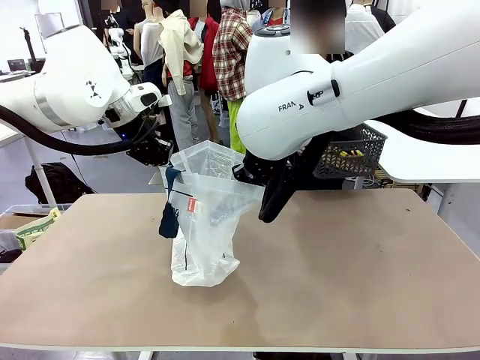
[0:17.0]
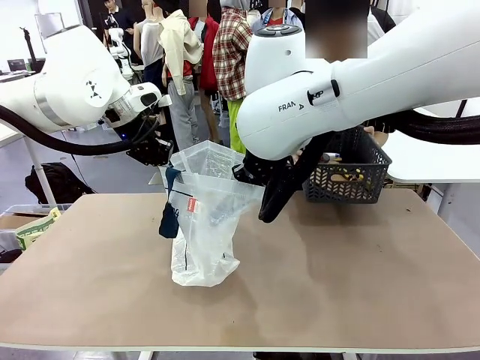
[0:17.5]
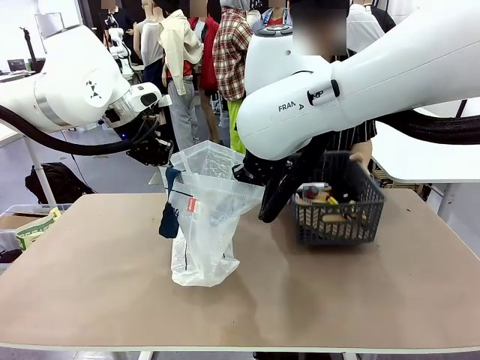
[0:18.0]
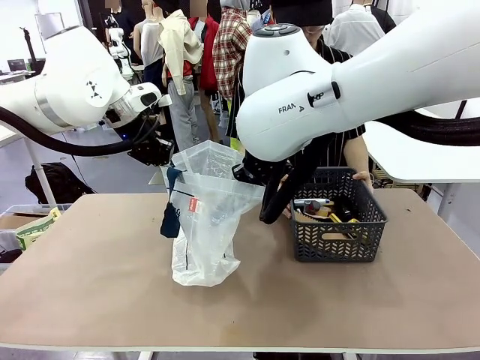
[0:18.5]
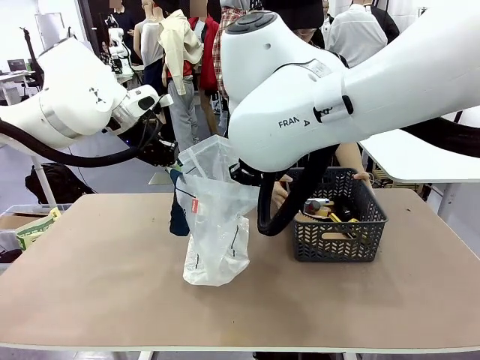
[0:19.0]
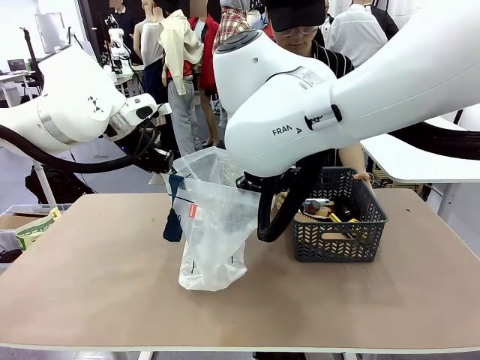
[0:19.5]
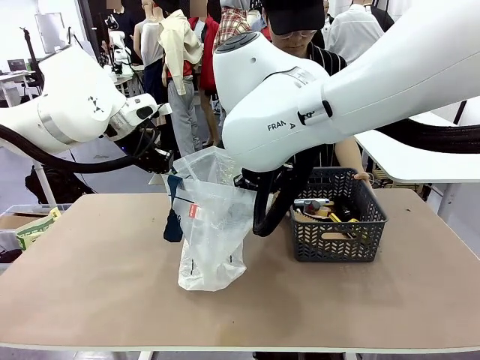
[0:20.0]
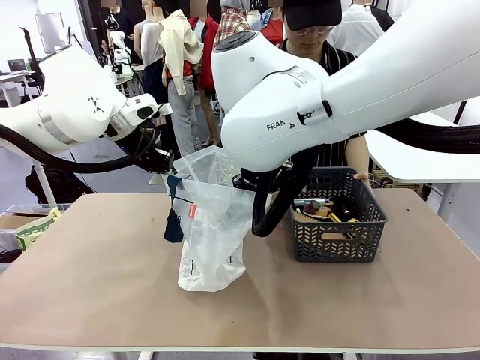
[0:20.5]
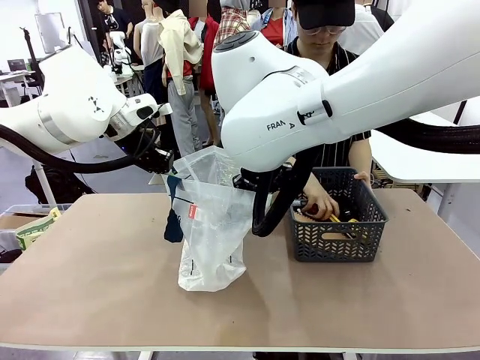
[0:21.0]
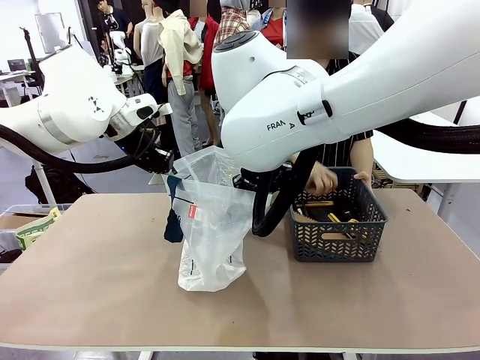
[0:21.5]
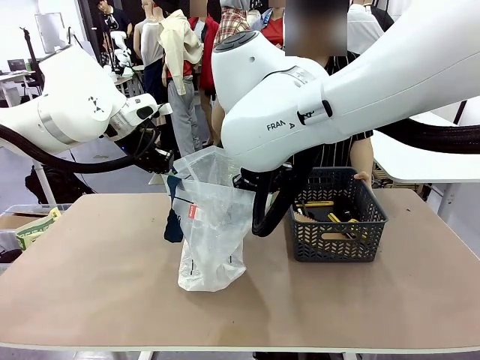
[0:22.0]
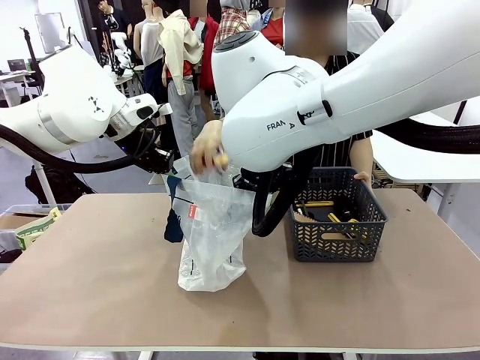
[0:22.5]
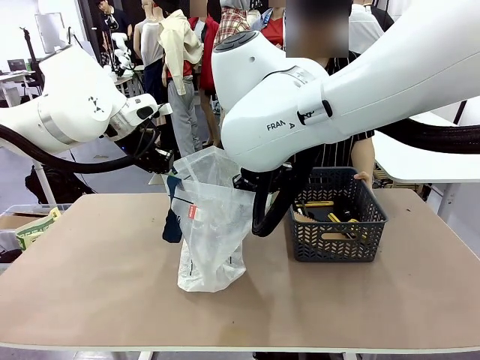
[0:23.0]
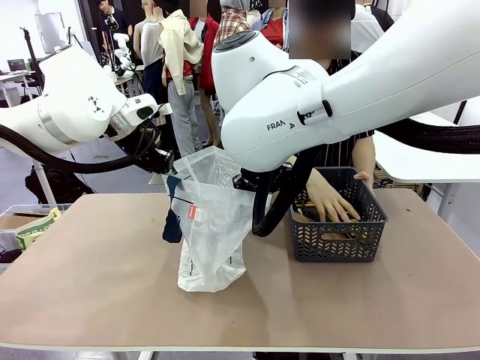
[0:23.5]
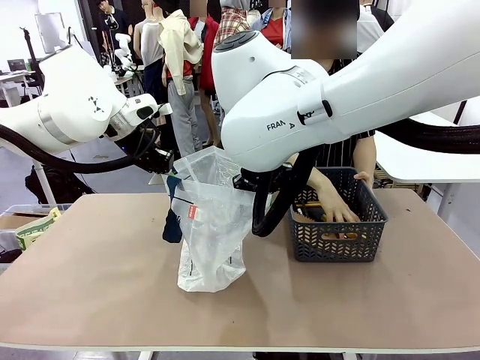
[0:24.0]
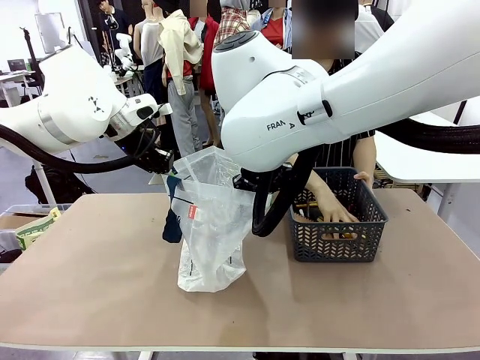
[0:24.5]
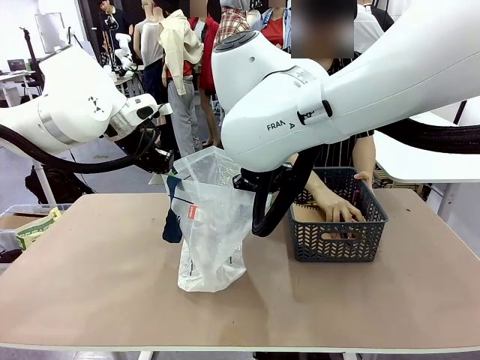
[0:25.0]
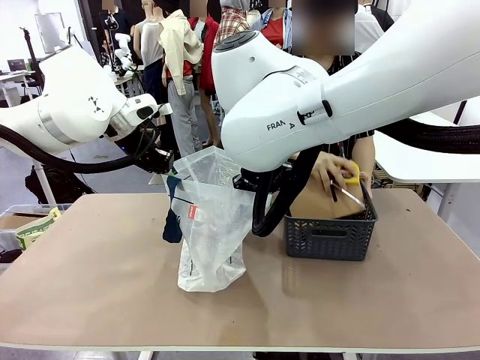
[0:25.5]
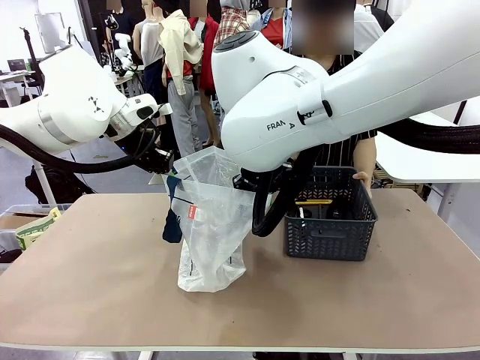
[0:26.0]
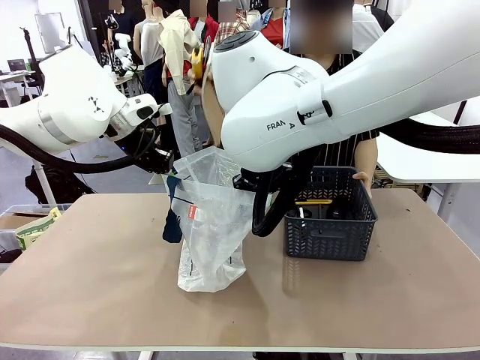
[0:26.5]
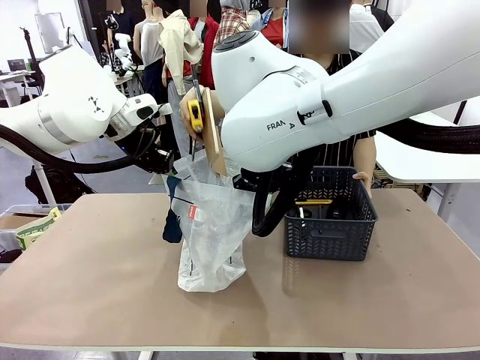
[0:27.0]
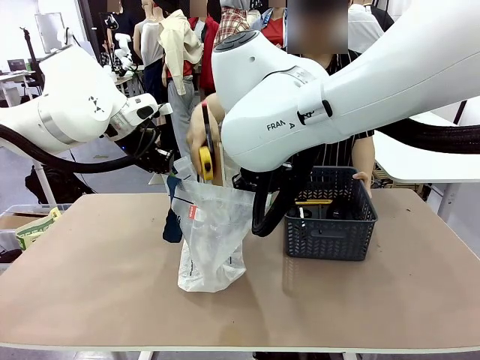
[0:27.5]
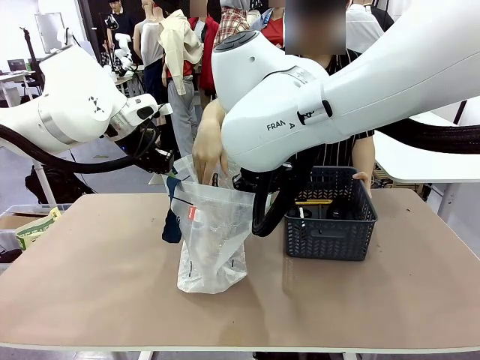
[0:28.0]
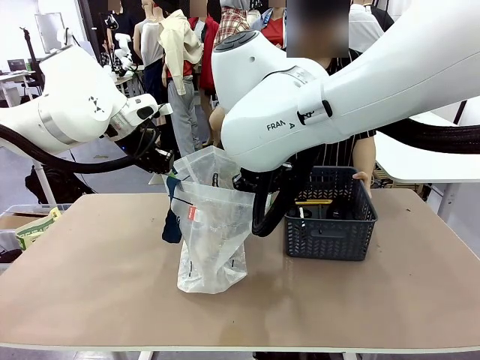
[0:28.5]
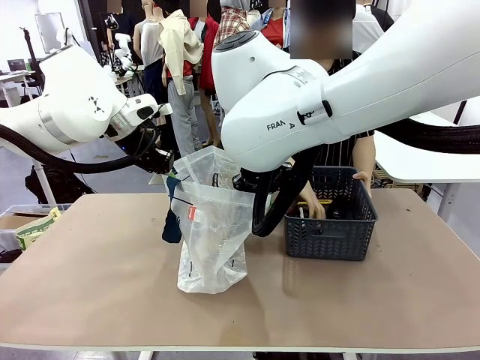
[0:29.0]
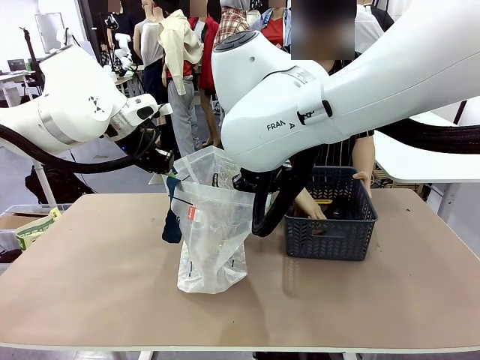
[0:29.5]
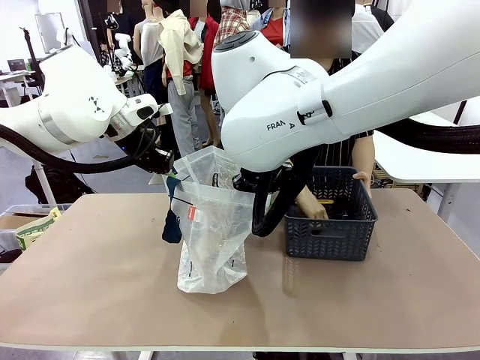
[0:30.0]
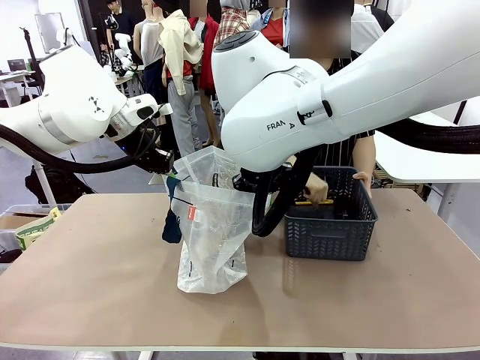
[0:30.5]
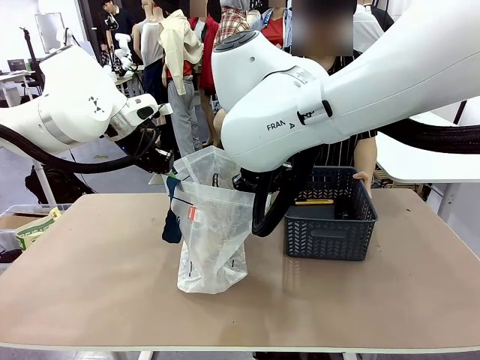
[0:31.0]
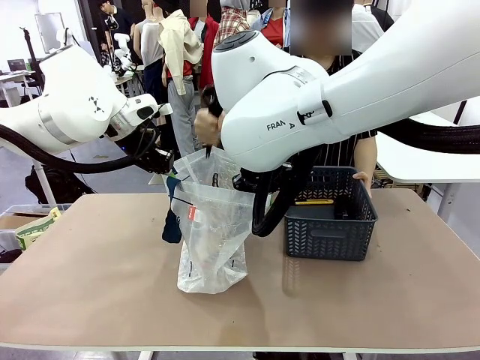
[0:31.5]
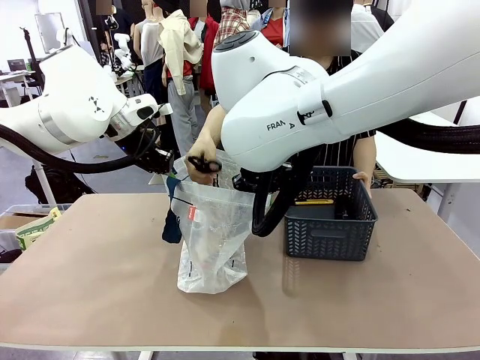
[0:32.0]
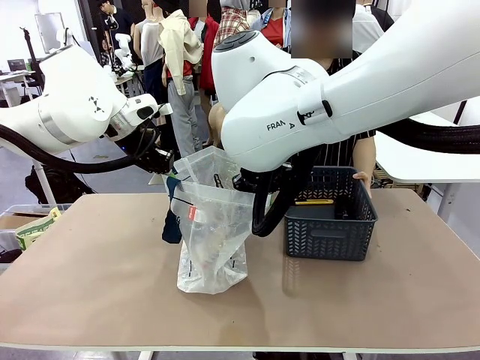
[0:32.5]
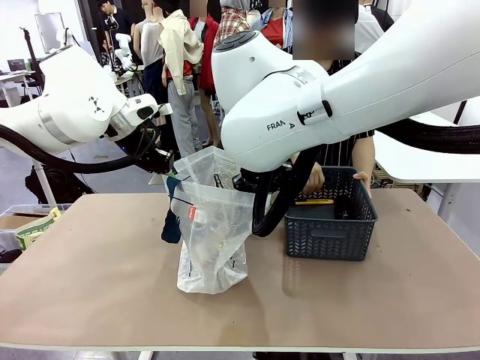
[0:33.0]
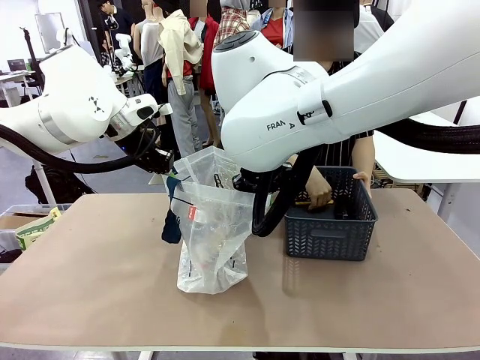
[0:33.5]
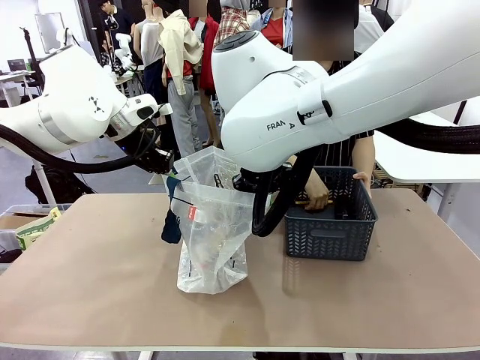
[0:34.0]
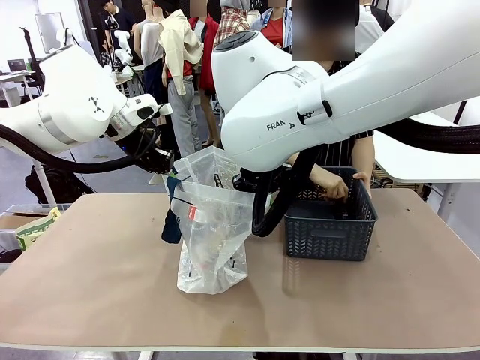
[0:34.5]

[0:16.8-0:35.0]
Task: Transfer purchased items from the store into the shopping bag.
Robot: Move the Reusable shopping bag to the right side of the table.
Person: Pick up the basket with the items out and place it on the right side of the human table.
